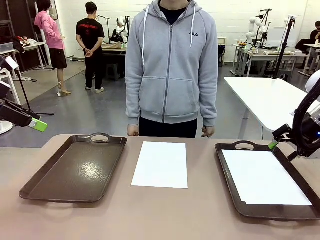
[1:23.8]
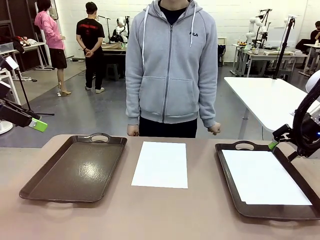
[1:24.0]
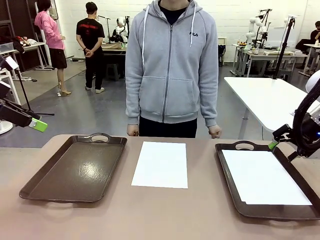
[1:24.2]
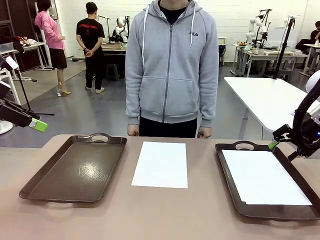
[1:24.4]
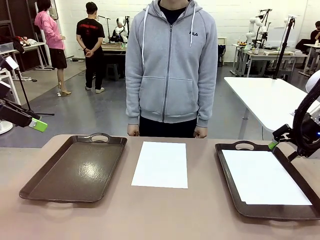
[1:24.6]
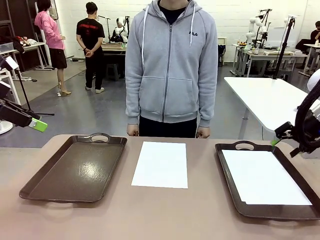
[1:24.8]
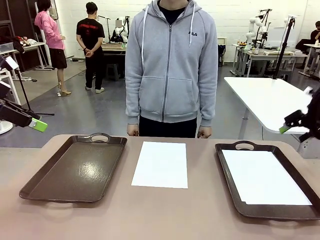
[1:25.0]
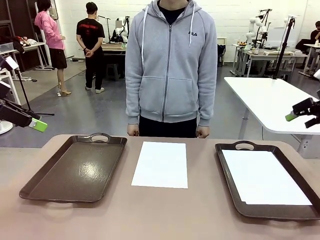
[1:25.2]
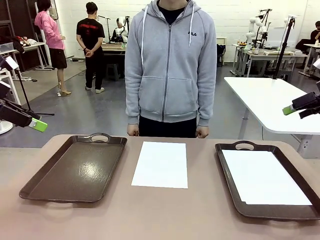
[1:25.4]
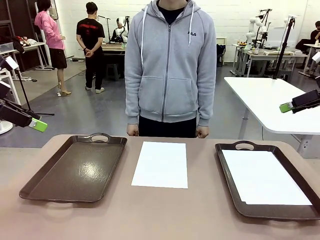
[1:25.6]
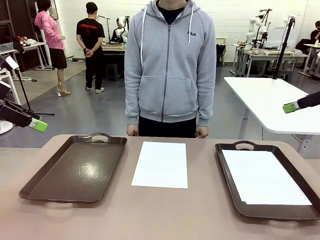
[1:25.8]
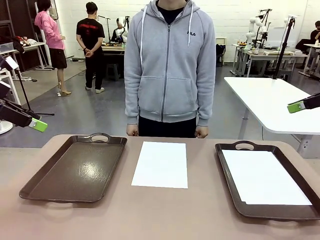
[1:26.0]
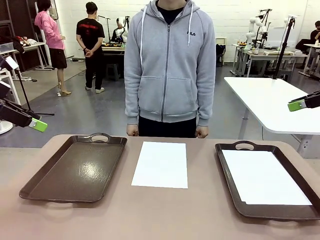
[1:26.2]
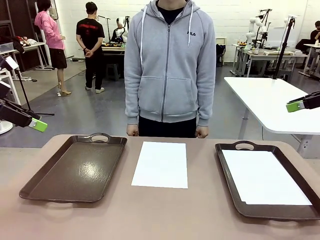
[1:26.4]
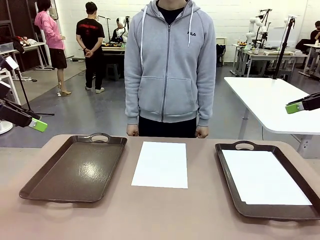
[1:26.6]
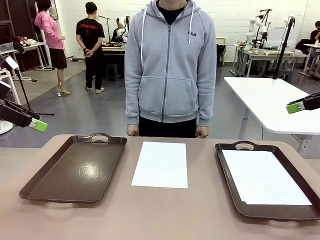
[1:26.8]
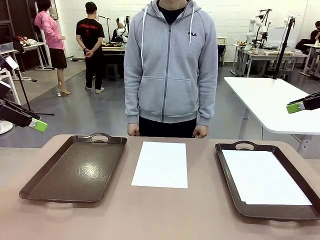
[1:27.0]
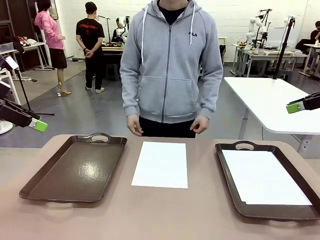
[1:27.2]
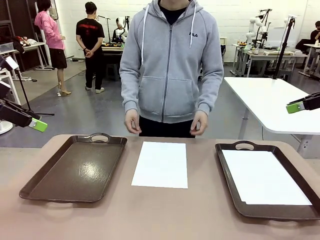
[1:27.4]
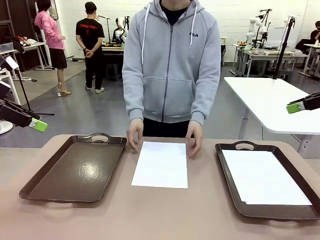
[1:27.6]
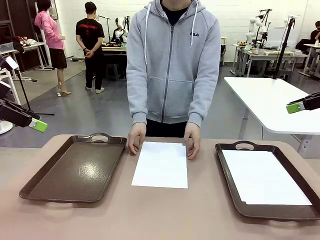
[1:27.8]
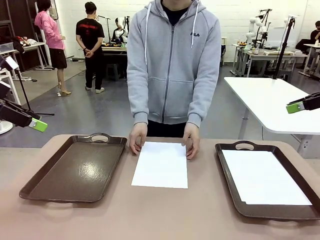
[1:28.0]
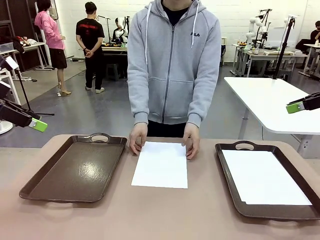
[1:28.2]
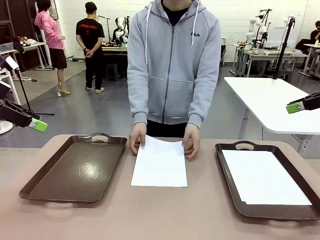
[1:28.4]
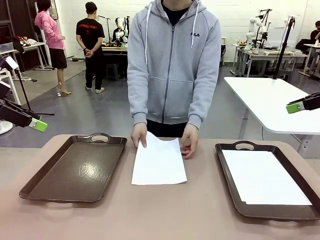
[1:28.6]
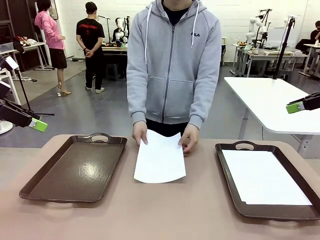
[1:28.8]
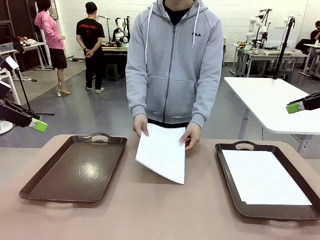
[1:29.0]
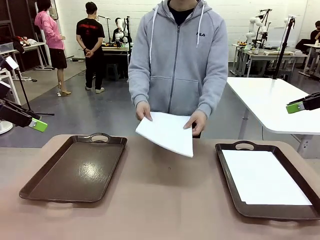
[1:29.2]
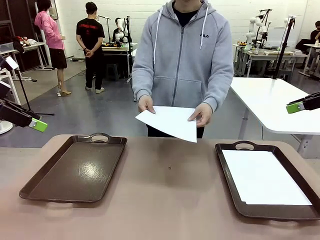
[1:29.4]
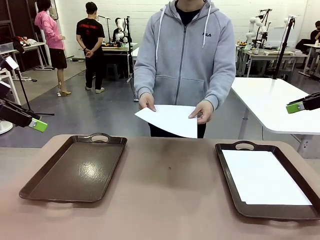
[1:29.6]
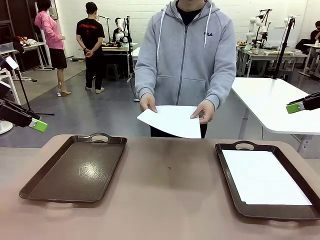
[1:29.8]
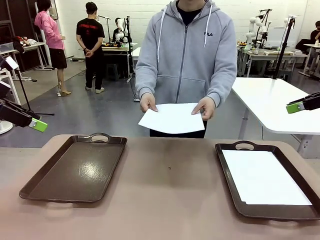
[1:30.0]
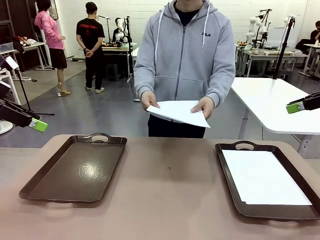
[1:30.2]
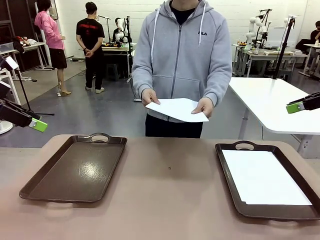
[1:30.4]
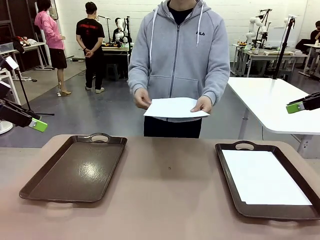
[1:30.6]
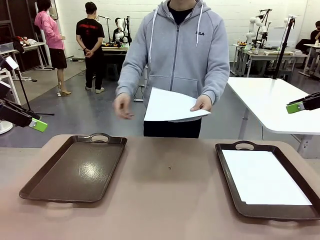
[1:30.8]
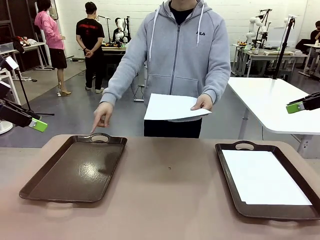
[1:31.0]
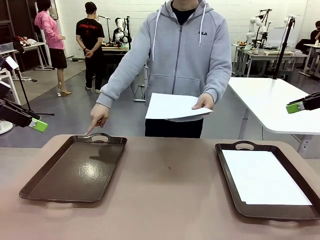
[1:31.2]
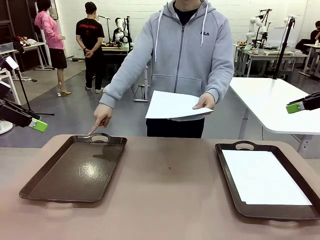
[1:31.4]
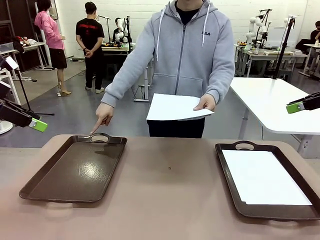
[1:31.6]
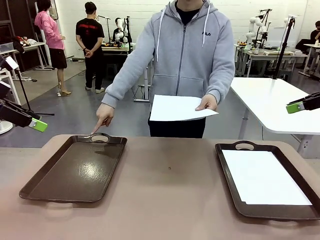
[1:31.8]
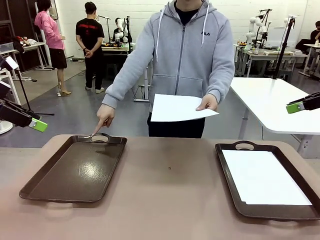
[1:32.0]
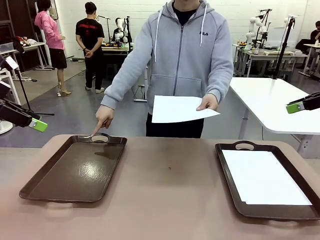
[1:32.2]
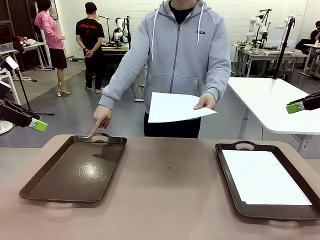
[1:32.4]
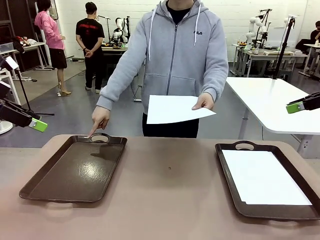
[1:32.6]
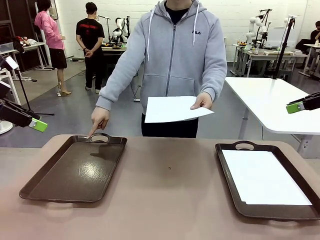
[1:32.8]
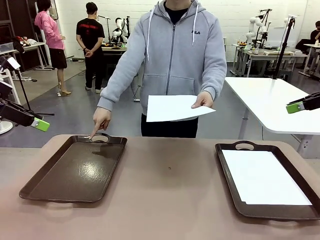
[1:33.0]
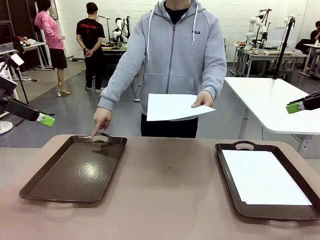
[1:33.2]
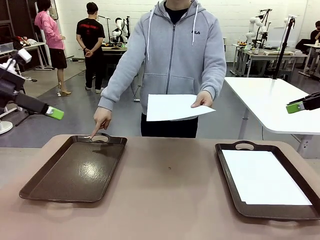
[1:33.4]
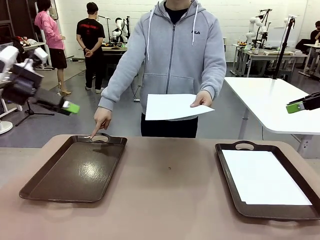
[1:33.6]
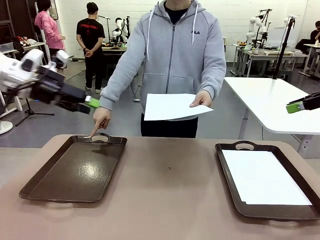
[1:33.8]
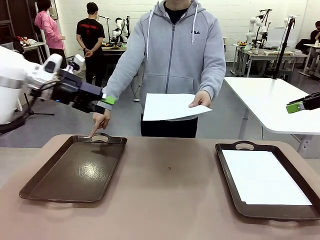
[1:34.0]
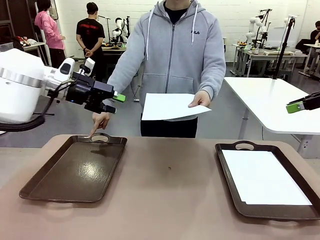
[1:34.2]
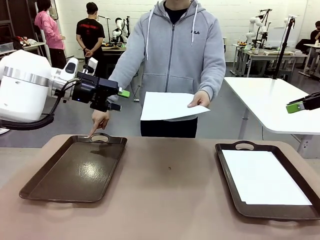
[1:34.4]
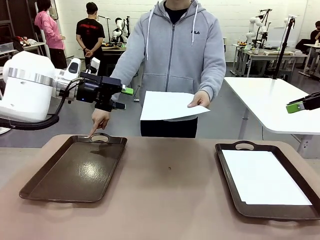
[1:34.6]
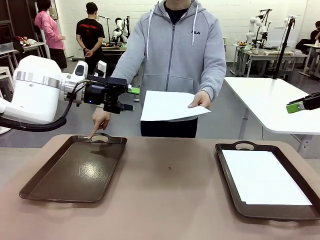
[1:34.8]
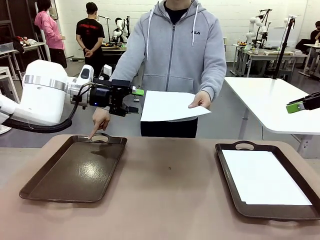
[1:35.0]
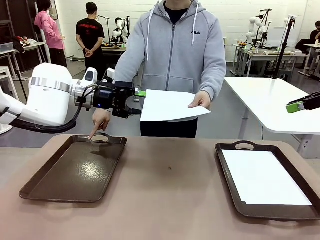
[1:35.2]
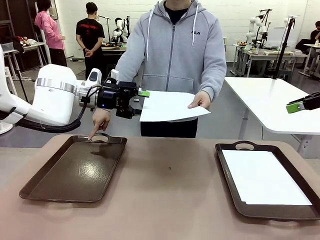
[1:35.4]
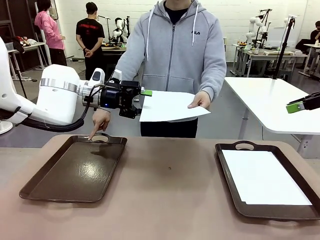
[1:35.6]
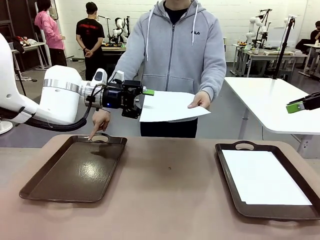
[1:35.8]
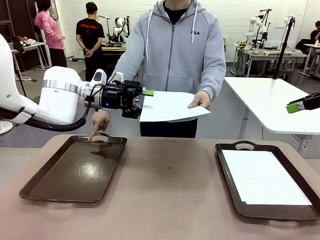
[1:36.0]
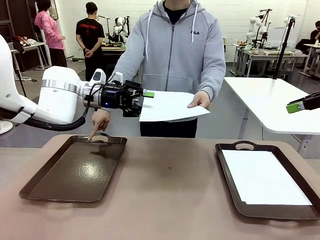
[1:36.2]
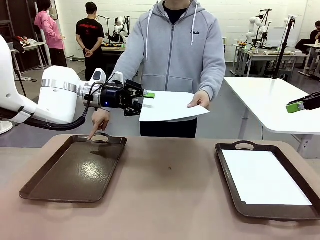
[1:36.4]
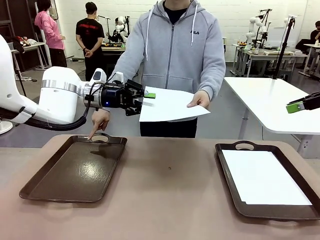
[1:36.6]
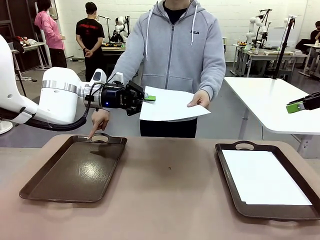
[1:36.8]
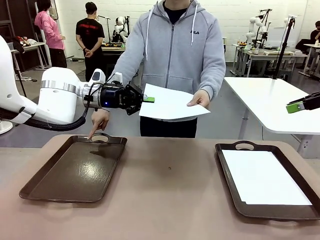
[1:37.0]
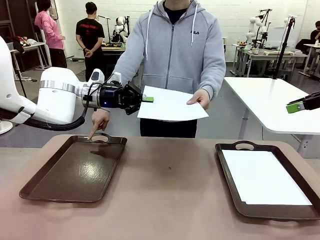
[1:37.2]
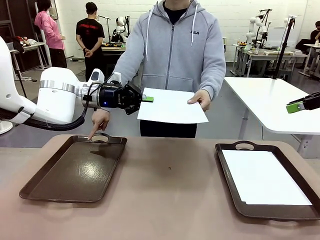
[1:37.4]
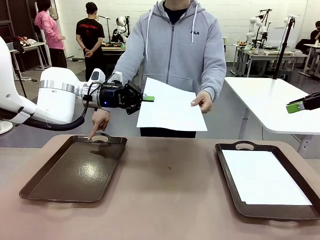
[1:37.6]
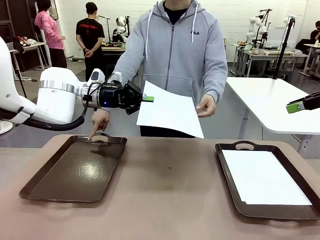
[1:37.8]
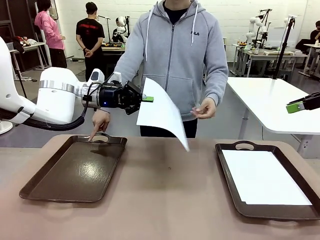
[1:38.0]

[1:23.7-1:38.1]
Task: Sort the A4 documents.
Robot: Receive the A4 Paper.

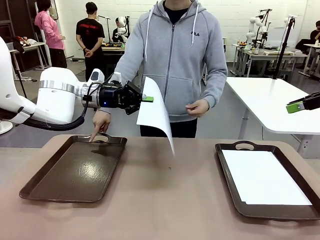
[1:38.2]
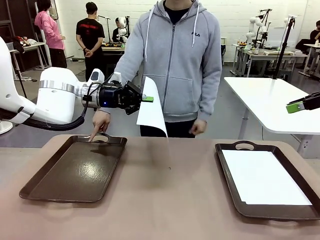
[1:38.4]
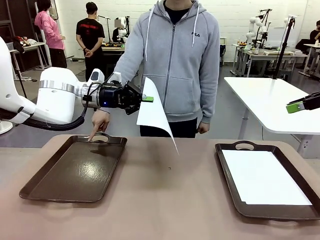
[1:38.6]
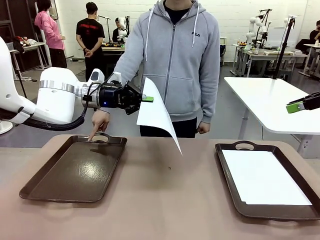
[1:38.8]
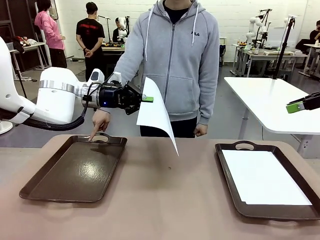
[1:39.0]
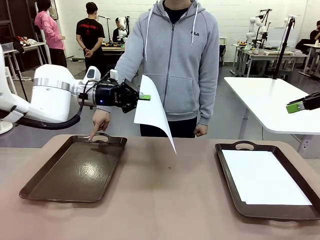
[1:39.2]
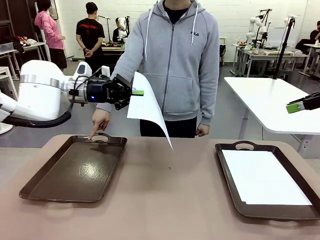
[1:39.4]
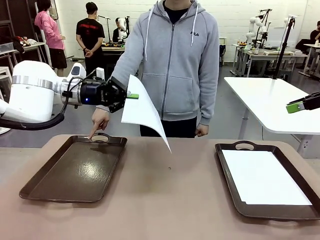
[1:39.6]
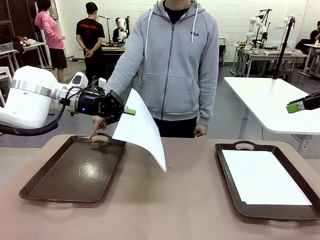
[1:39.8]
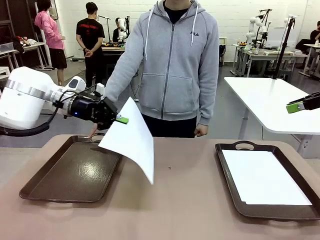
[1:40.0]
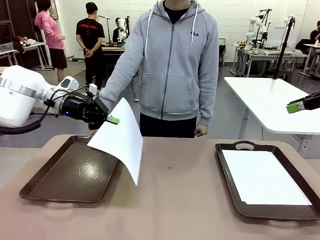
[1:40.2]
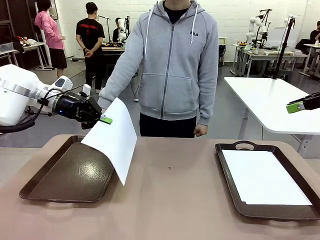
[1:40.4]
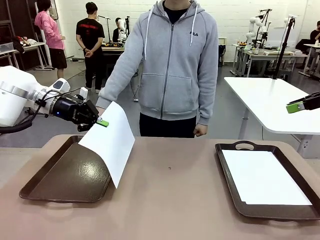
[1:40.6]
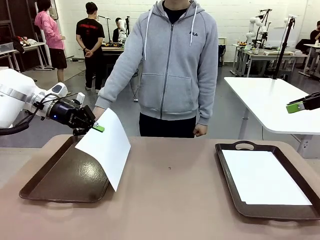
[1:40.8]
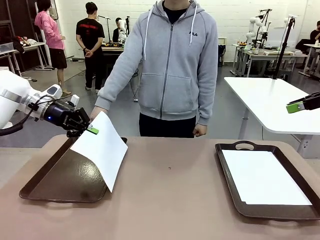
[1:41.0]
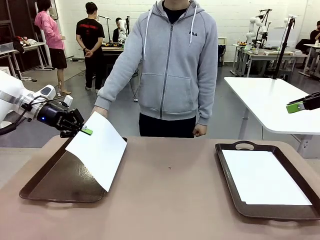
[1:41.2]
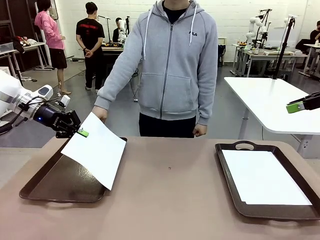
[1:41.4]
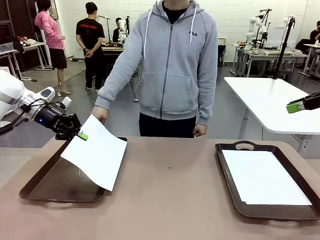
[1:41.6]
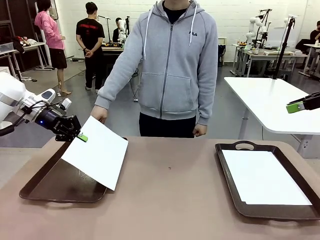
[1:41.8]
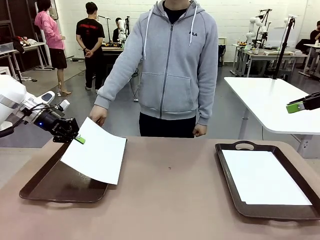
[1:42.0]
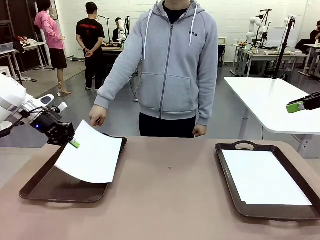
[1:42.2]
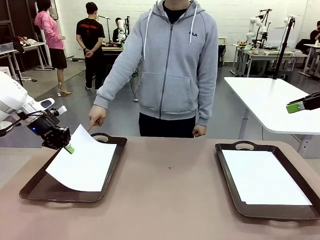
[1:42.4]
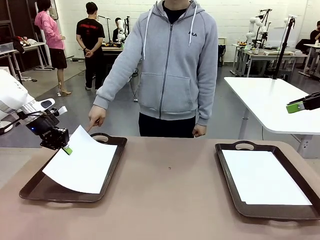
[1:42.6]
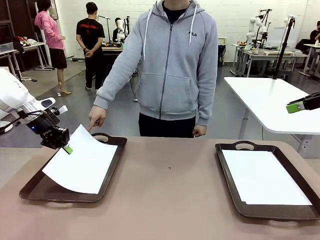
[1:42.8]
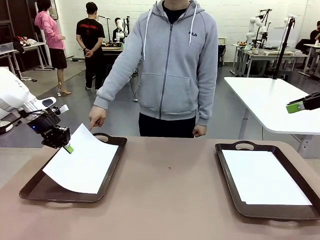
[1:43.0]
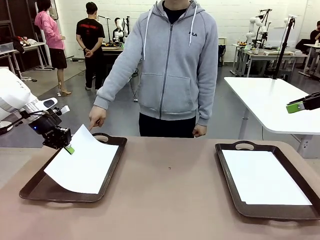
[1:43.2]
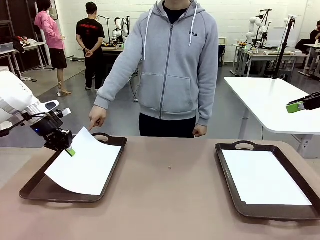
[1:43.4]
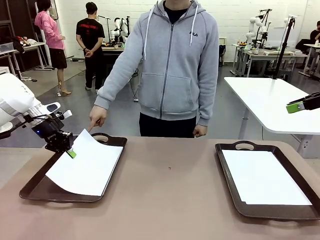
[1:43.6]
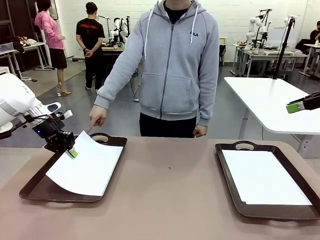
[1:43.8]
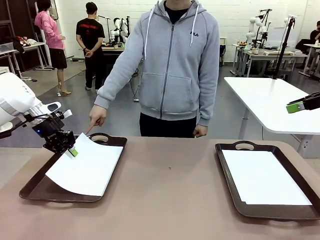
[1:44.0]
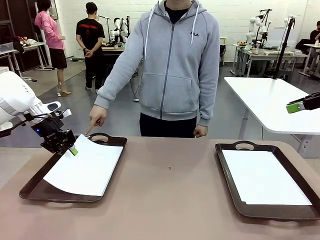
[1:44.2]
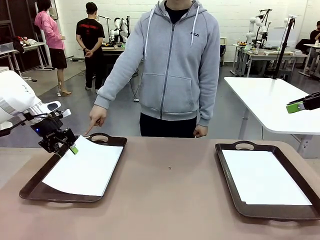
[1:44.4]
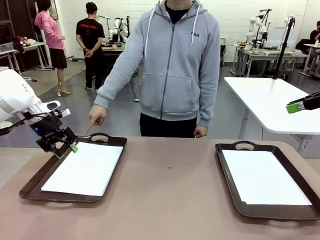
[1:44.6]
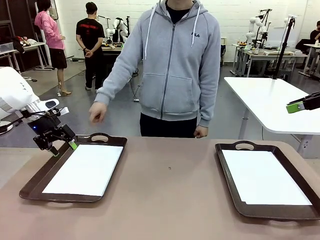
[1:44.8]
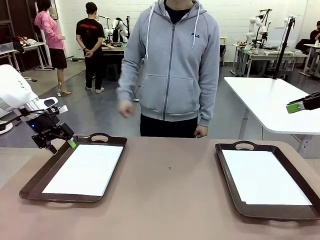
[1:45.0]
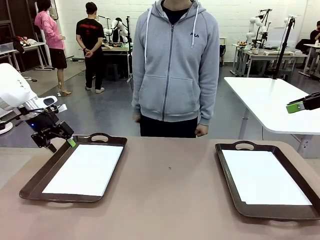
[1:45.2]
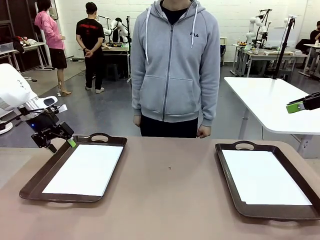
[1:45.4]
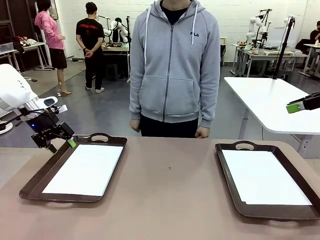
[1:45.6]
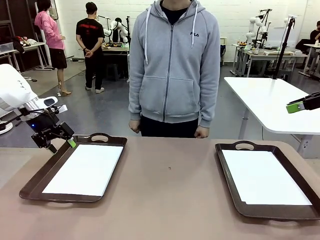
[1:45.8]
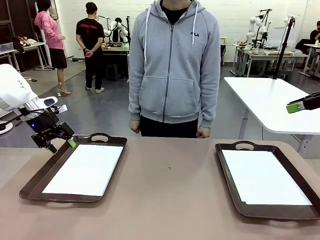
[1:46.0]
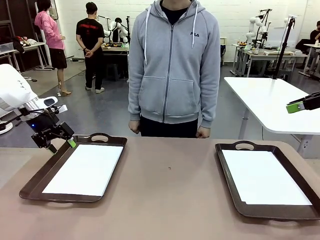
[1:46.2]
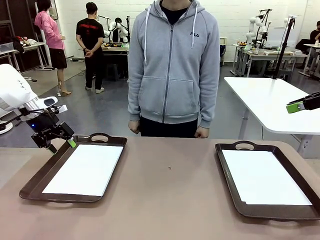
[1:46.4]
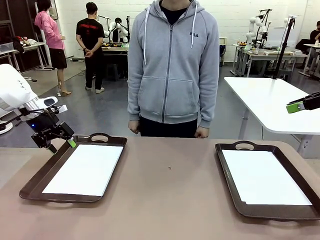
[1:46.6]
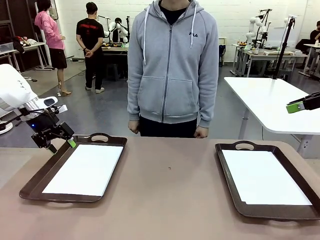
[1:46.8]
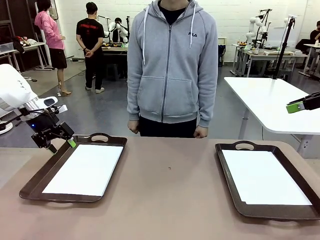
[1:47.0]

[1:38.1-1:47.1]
Robot: Place the A4 Paper in the designated Handle tray.
Person: Point the randomly selected tray with the other hand.
